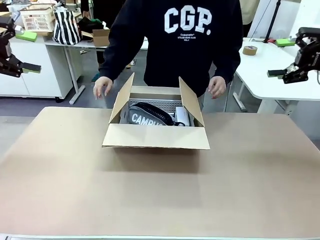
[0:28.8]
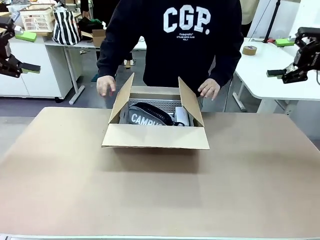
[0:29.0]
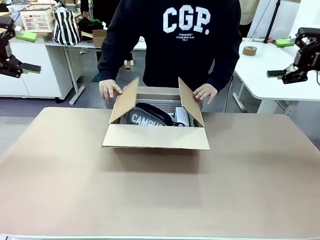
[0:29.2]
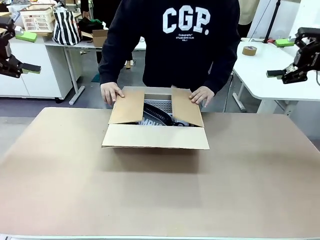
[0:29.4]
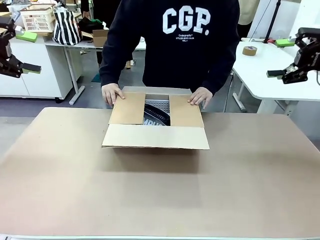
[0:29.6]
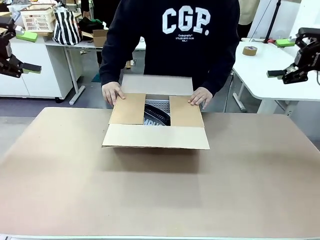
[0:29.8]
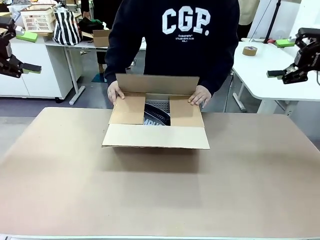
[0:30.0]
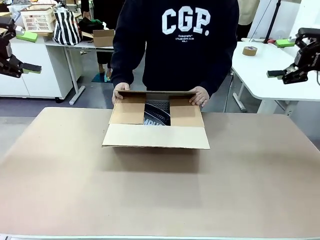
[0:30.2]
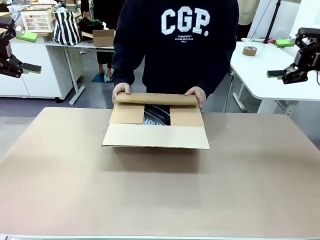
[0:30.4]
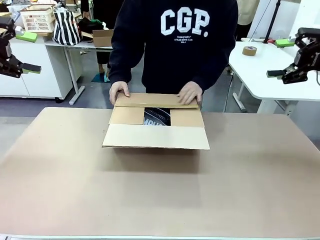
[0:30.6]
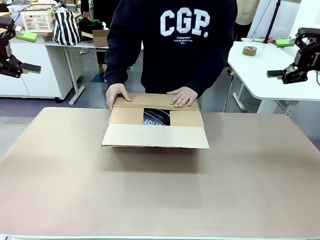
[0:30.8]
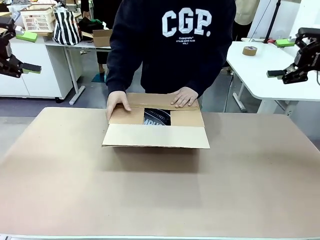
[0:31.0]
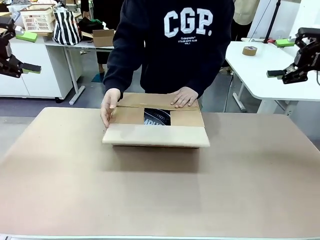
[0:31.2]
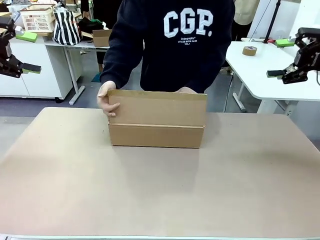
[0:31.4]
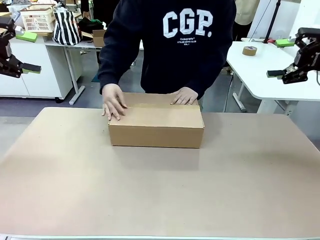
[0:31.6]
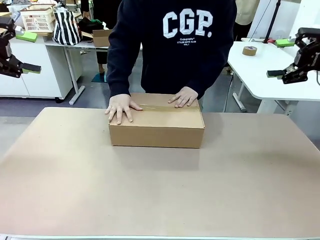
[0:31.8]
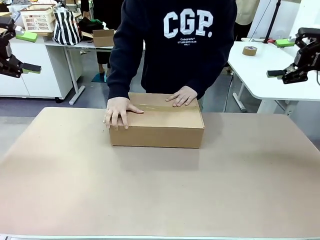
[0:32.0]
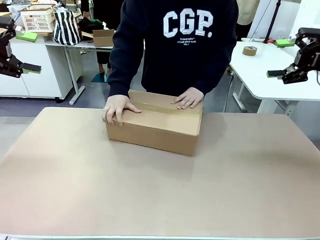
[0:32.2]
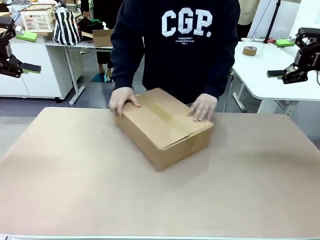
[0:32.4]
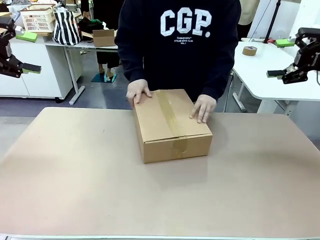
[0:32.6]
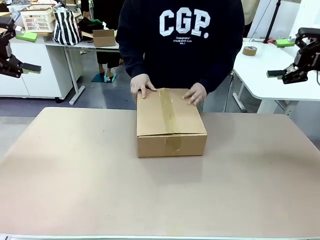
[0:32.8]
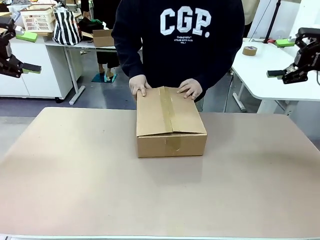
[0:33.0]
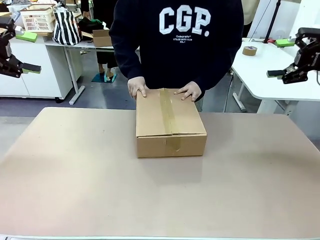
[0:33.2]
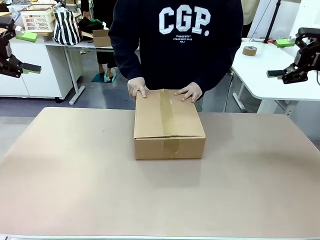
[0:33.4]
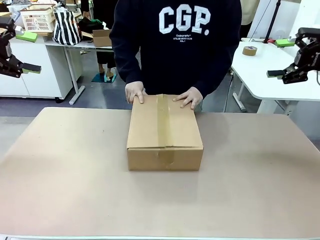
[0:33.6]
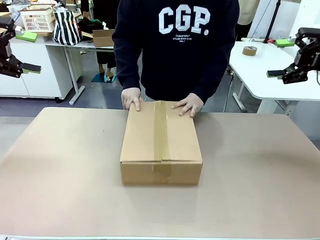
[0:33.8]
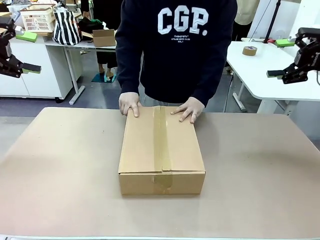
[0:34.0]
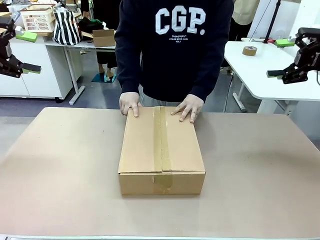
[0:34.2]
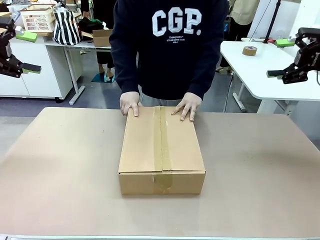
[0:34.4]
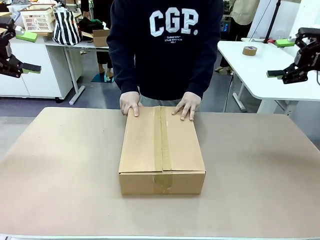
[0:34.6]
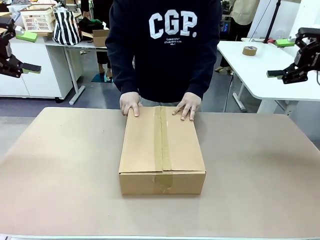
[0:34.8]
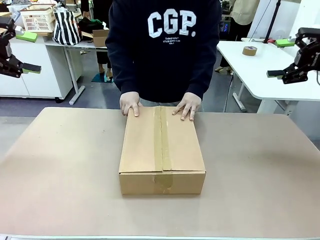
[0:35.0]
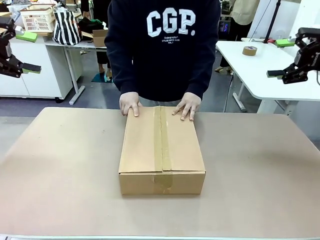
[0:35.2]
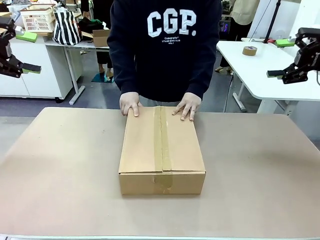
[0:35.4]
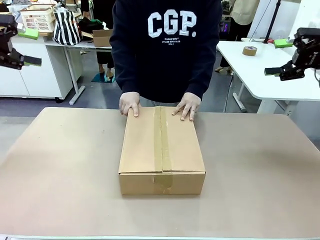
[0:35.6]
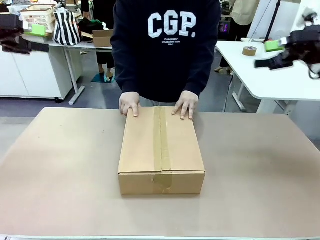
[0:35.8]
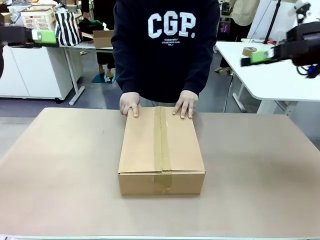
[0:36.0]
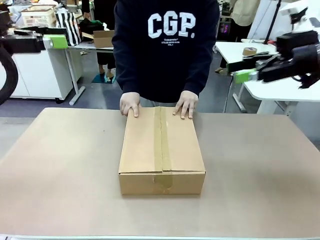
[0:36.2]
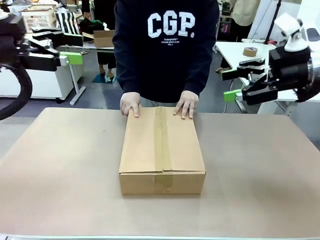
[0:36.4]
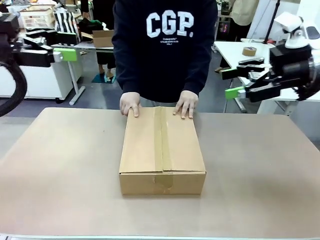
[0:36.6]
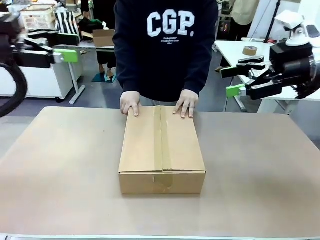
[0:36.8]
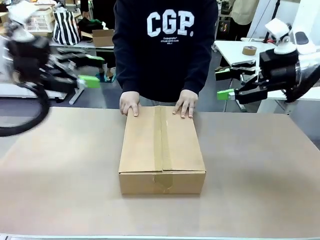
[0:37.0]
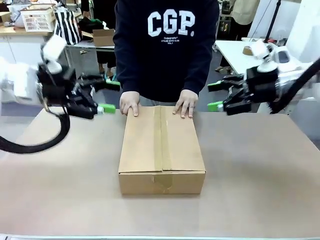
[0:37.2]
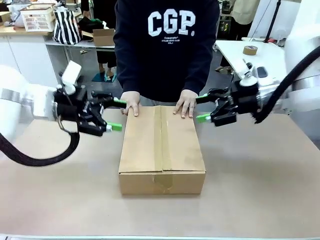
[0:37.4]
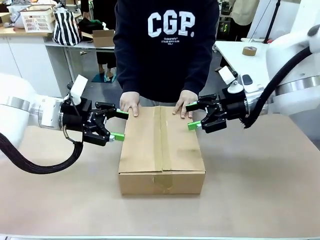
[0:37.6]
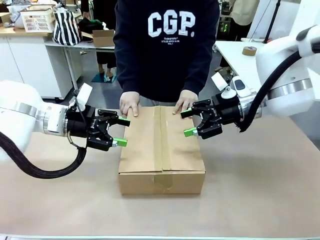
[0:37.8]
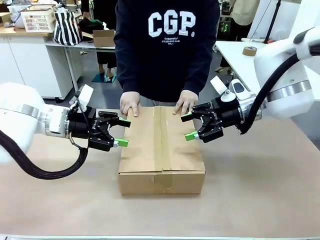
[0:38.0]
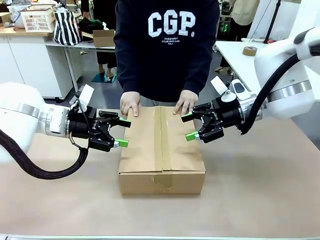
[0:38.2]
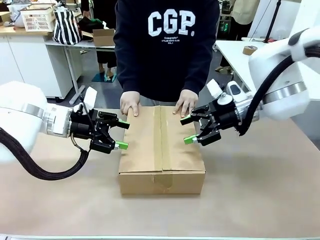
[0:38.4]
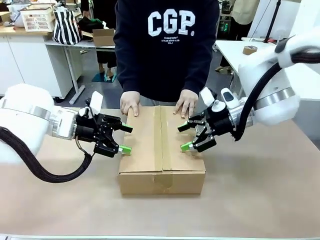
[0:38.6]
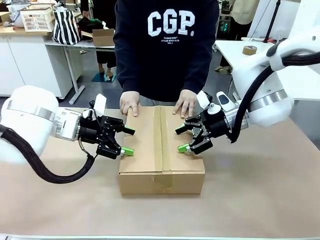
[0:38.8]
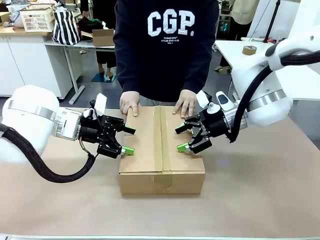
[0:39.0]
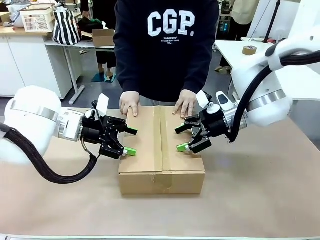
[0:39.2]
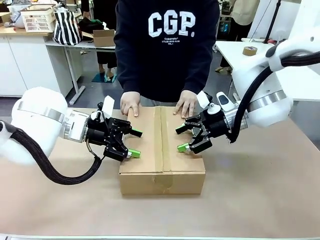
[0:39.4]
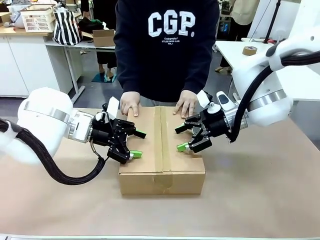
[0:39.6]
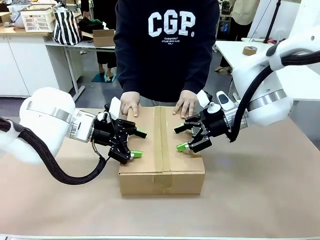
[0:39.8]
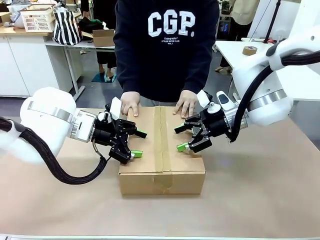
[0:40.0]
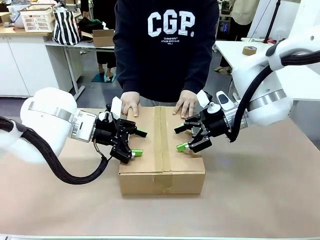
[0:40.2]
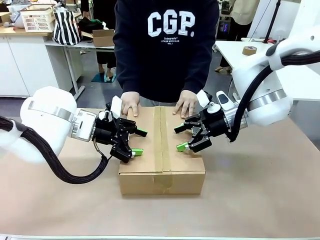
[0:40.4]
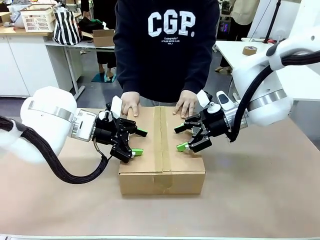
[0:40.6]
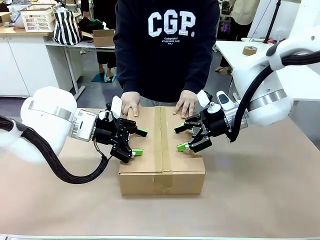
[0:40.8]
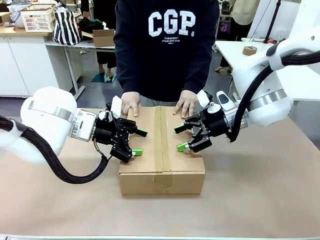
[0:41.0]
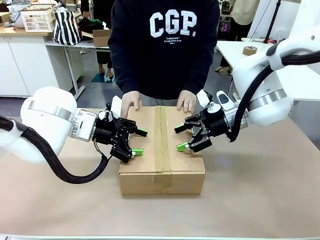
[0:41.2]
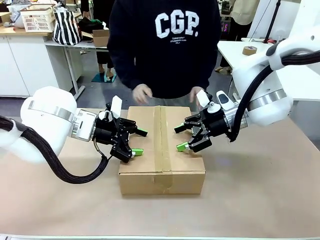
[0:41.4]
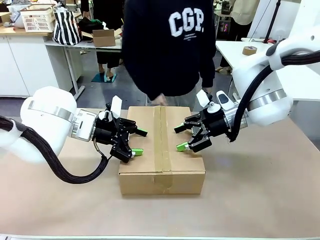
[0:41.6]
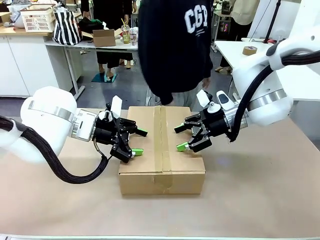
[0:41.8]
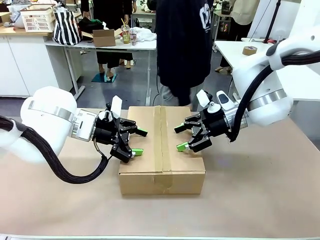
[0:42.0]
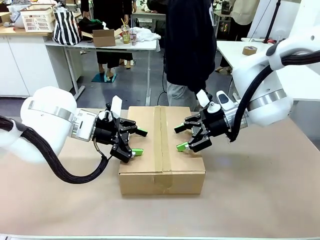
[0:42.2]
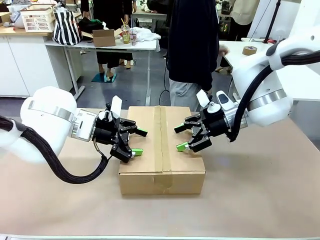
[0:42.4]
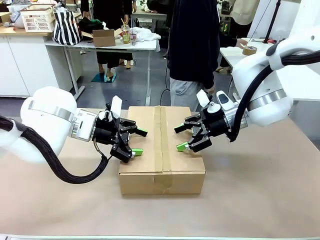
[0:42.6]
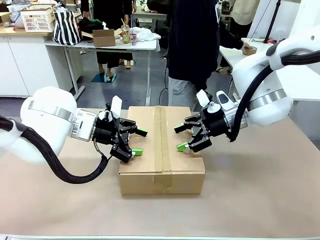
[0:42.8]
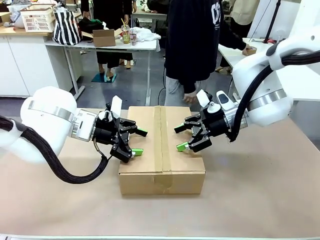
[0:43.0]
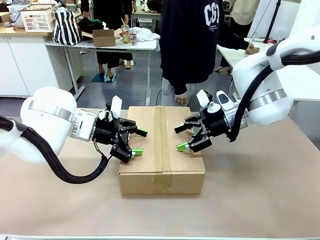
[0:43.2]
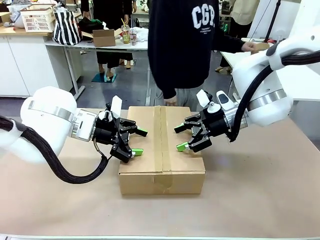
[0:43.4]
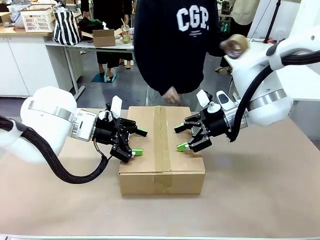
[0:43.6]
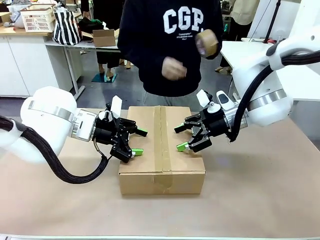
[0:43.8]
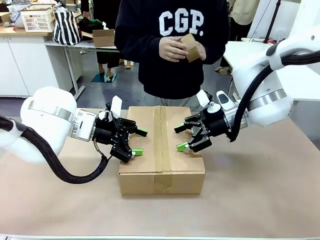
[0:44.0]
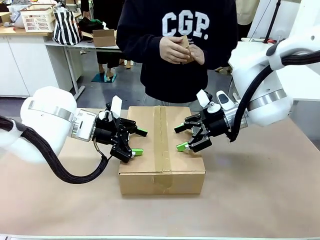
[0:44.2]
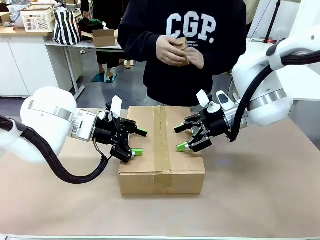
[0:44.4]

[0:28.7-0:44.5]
Task: Pack the gift set into the box.
Robot: Press and hold the closed box until the human finishes sealing it.
Person: The human closes the box and rotates the box by 90 degrees.
